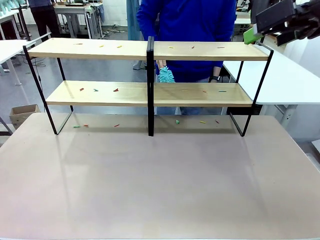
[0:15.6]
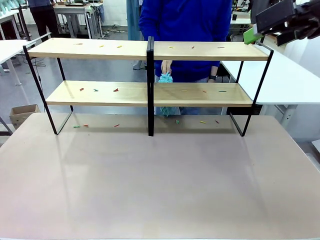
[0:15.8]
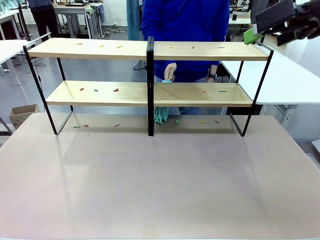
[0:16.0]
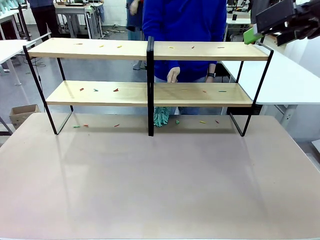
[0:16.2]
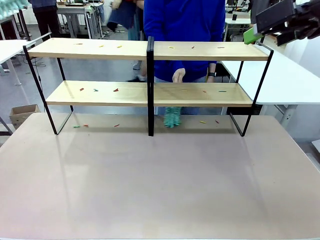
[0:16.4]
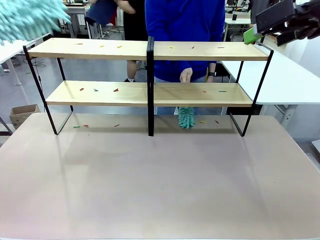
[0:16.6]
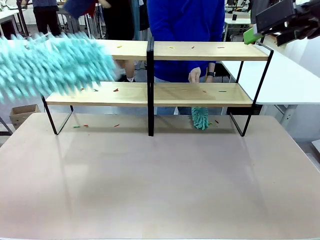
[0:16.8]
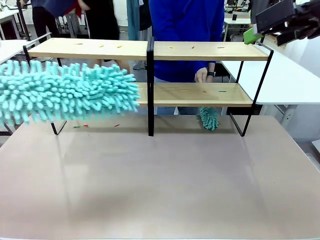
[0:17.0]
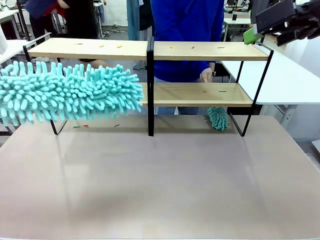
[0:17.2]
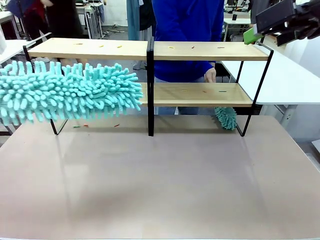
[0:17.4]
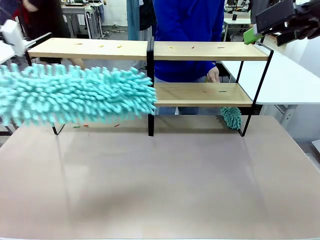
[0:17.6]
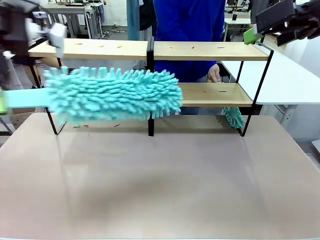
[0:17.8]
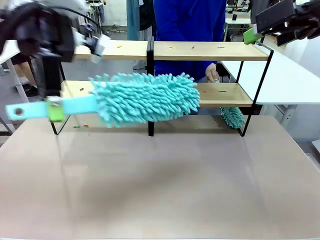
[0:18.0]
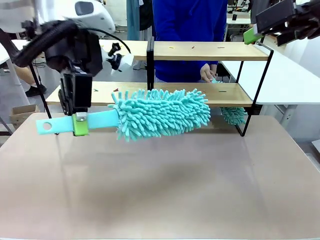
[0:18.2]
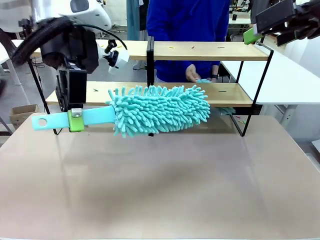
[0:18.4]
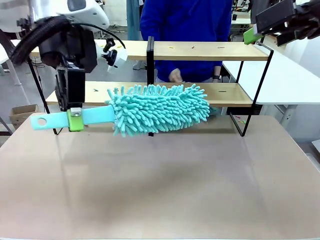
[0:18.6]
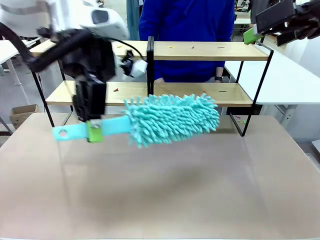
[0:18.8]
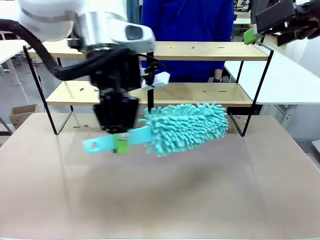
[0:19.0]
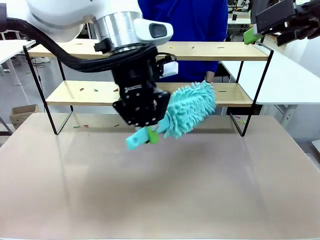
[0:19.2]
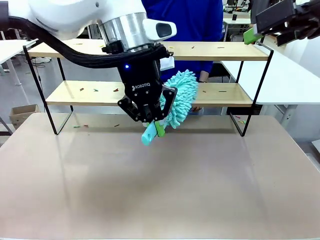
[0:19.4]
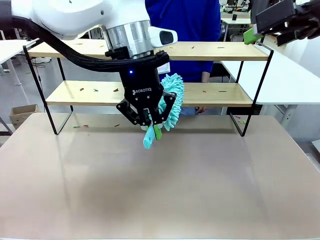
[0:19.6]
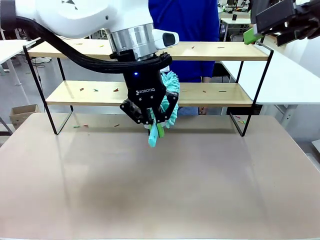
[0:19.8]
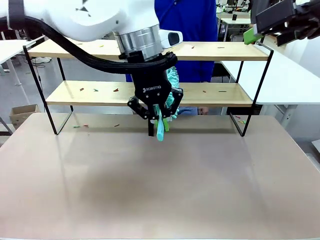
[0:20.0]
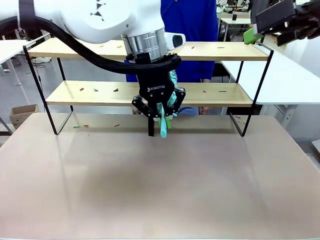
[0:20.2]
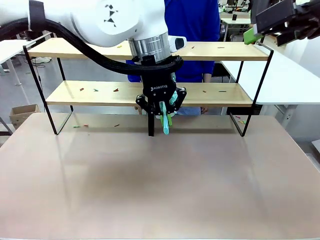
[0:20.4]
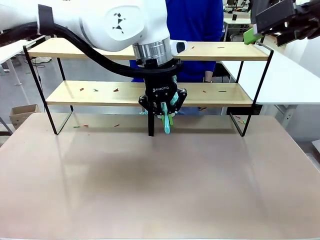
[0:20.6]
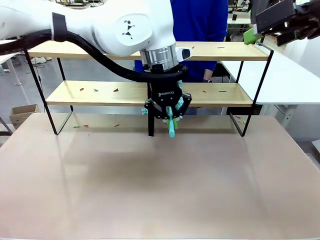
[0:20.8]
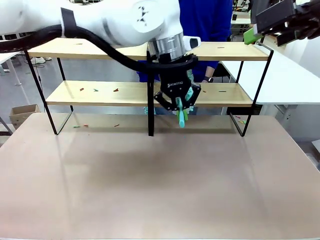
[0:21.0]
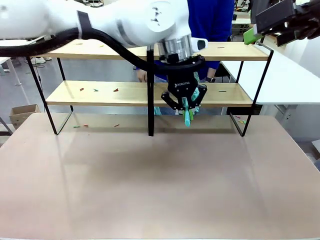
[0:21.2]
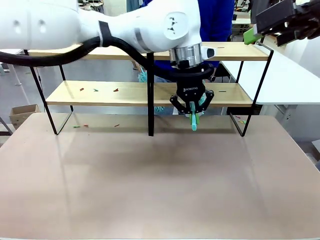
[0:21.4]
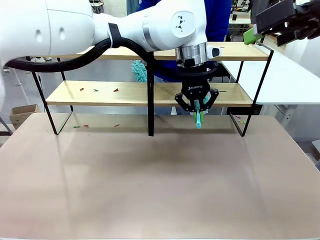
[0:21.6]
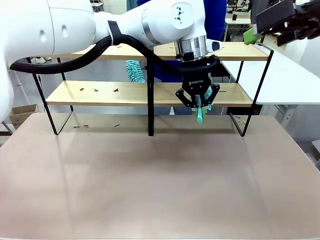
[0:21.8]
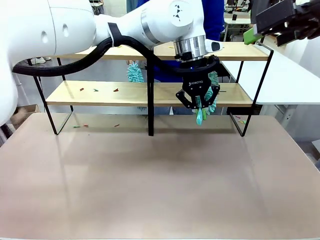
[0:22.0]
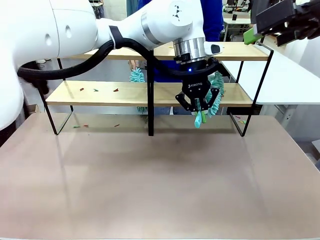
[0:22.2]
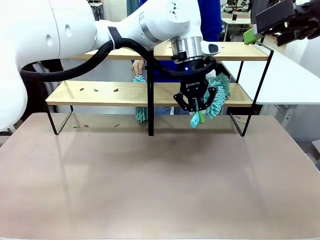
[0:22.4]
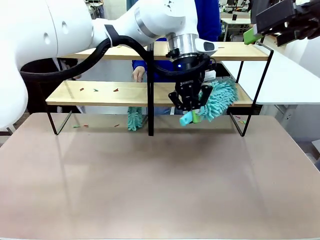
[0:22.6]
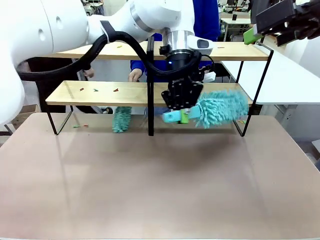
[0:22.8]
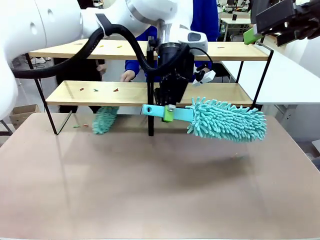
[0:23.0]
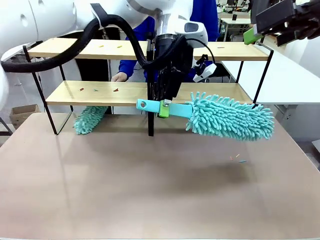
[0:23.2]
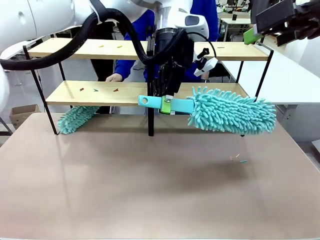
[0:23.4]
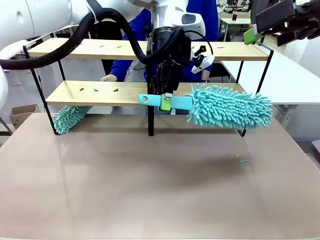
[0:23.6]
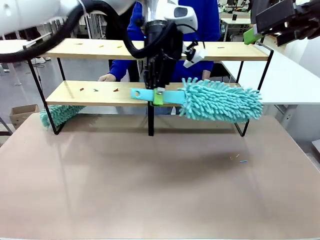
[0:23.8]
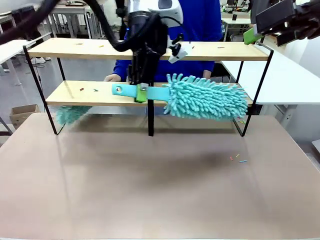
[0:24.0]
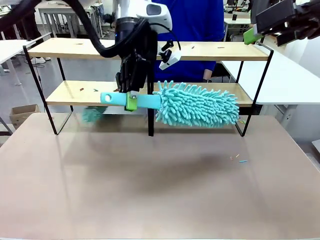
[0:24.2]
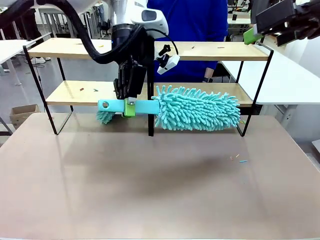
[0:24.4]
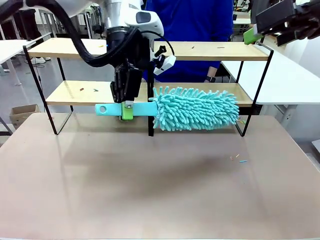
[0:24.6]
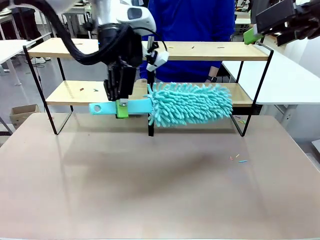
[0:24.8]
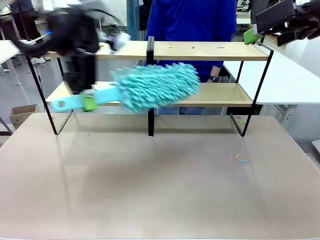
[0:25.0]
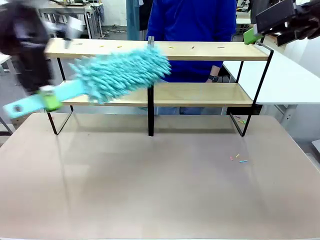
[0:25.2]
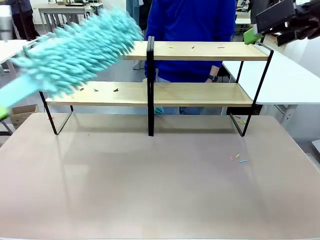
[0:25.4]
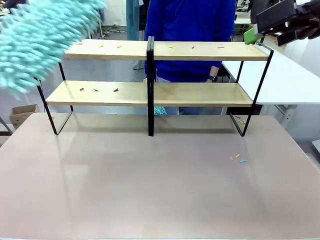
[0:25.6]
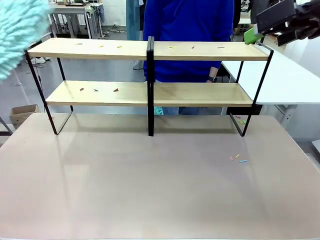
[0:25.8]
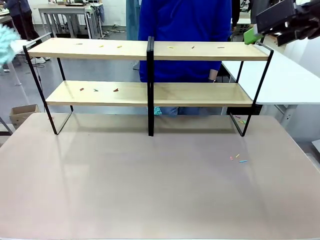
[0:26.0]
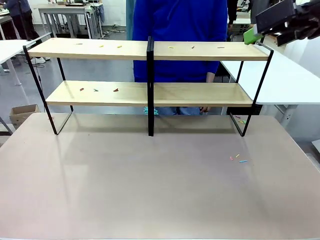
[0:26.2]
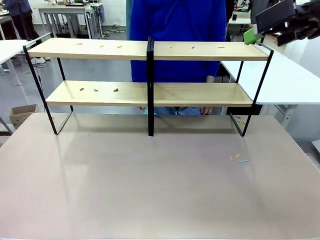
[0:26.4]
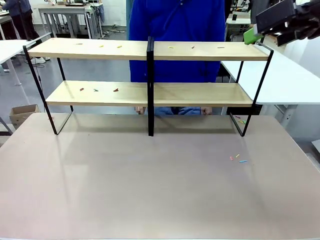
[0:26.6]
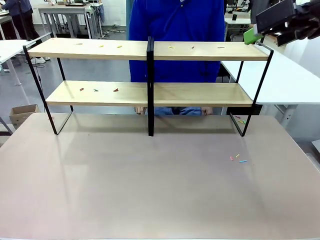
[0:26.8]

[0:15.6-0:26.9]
Task: Clean the shelves.
Robot: Clean a randomly selected level of the Shelf with the Duster.

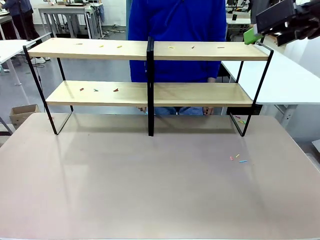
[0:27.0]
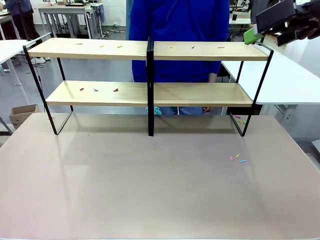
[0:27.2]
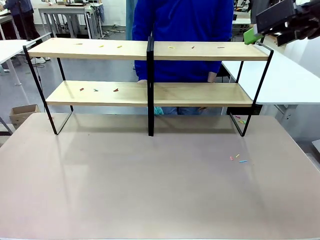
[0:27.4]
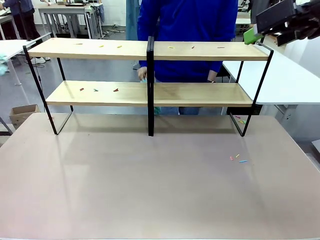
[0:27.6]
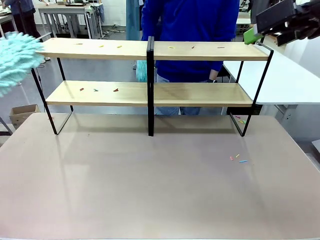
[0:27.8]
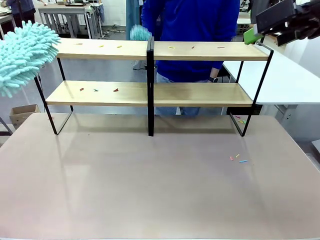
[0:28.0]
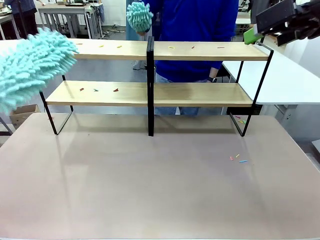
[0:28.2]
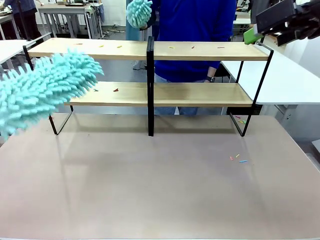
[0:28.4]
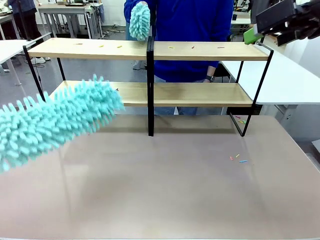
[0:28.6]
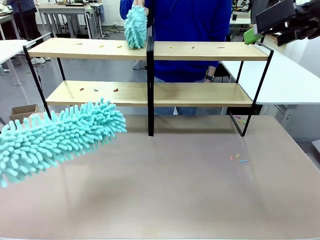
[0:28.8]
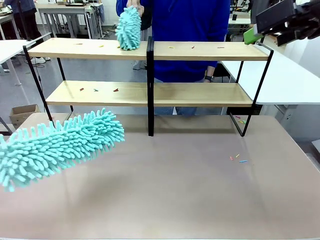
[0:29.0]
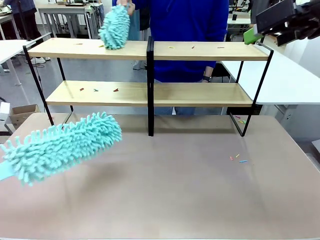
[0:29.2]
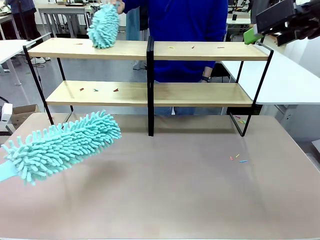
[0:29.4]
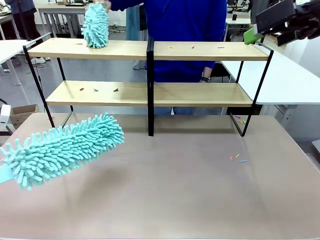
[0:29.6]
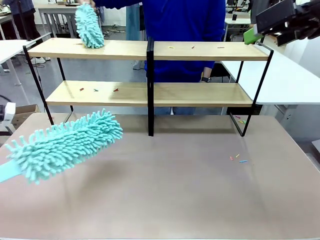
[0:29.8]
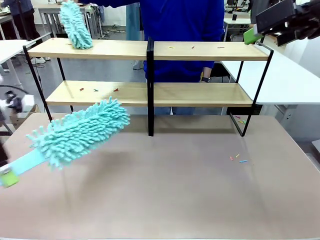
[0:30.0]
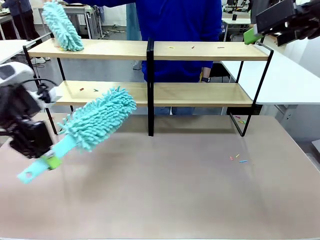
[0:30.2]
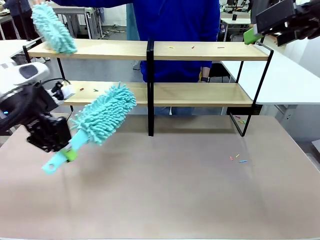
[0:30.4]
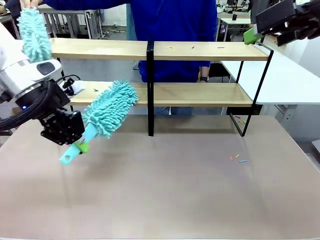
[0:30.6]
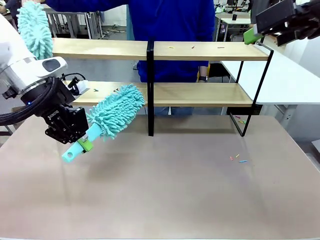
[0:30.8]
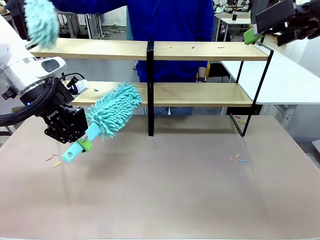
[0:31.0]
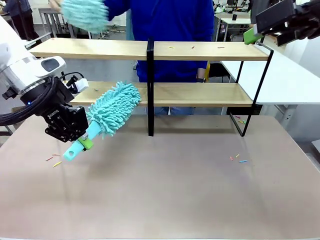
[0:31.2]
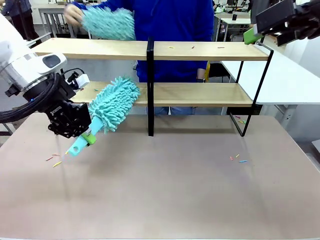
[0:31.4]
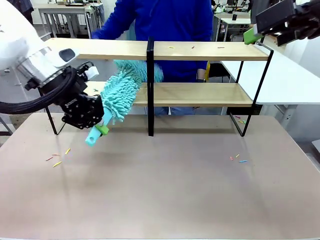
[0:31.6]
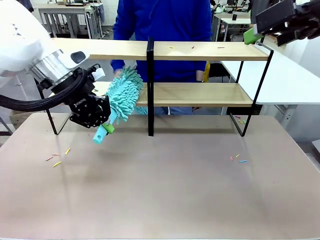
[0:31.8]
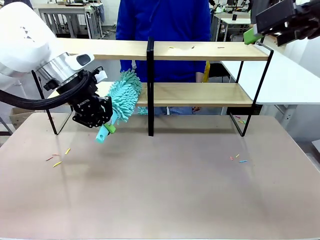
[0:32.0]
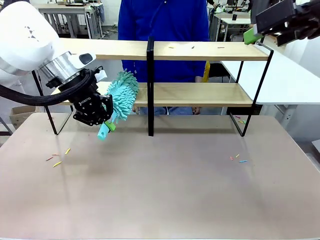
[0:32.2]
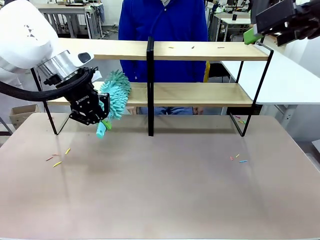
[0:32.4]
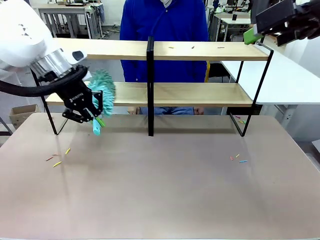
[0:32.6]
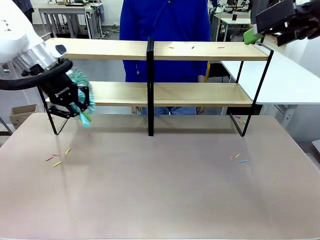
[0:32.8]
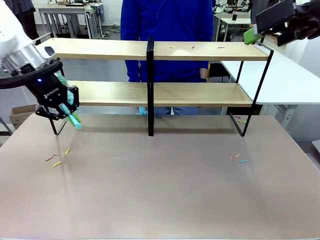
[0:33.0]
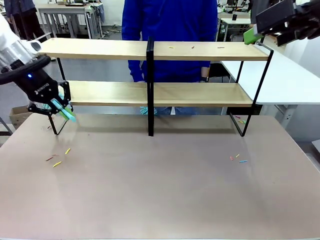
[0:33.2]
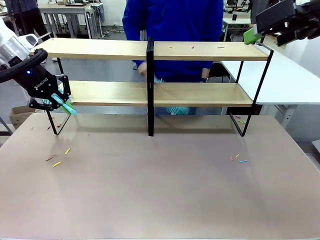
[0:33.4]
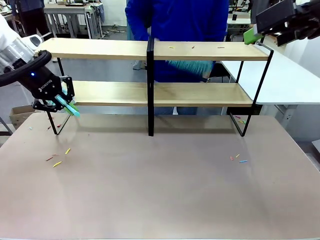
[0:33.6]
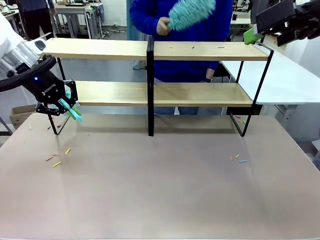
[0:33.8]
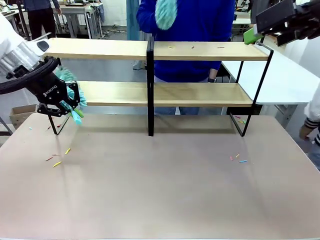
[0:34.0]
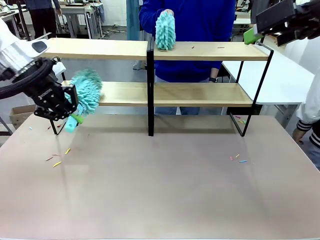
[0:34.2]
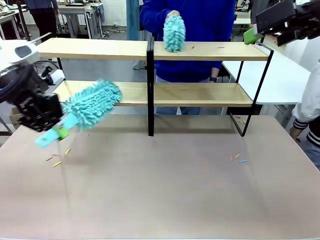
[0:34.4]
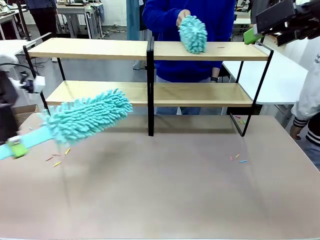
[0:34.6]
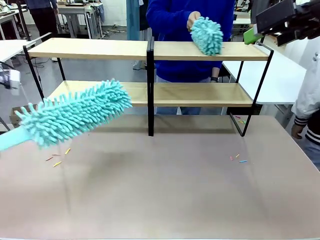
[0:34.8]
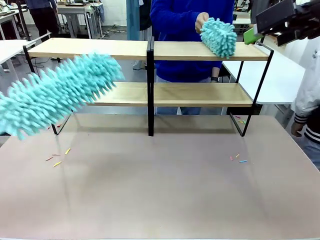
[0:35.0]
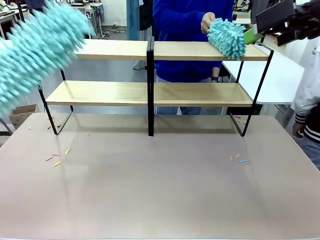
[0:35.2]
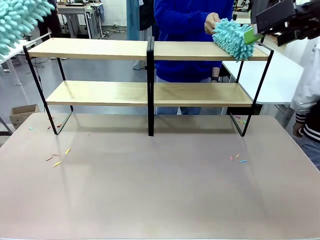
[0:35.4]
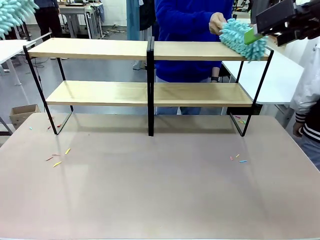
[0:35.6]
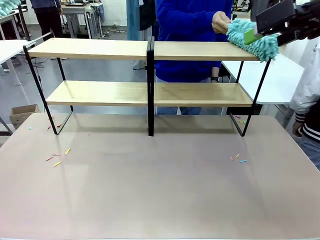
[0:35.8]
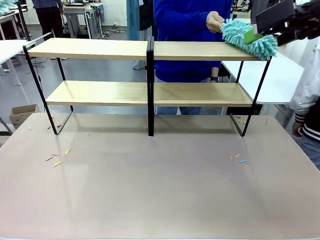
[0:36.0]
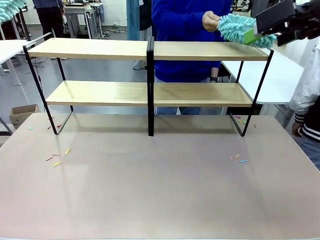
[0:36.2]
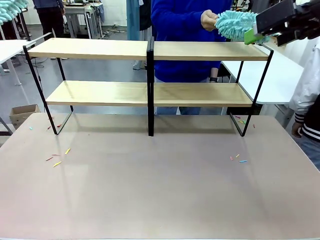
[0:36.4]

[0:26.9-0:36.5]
Robot: Clean another randomly selected level of the Shelf with the Duster.

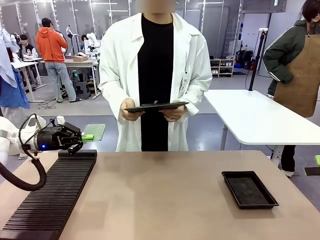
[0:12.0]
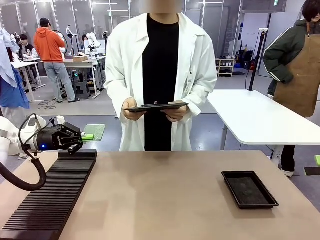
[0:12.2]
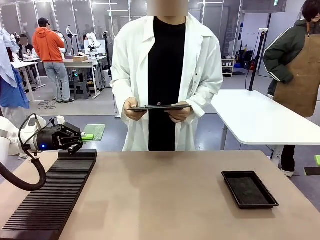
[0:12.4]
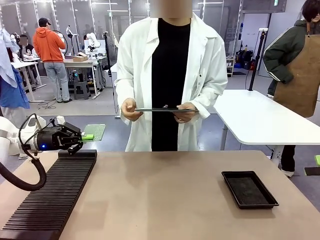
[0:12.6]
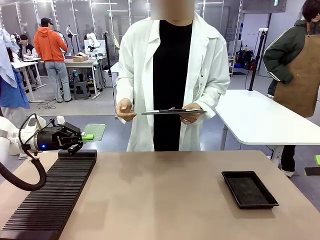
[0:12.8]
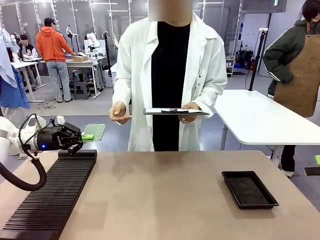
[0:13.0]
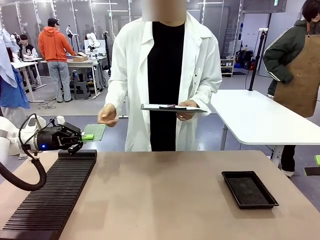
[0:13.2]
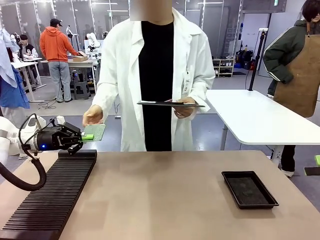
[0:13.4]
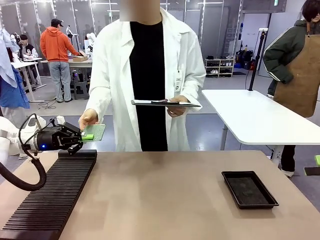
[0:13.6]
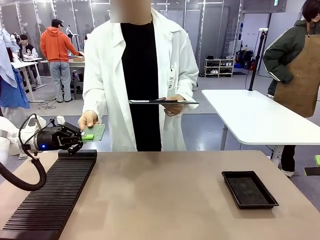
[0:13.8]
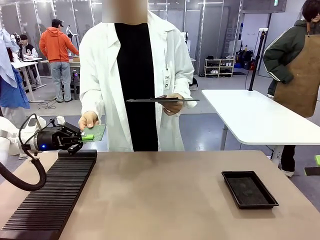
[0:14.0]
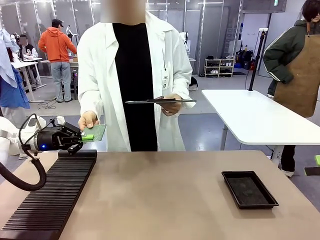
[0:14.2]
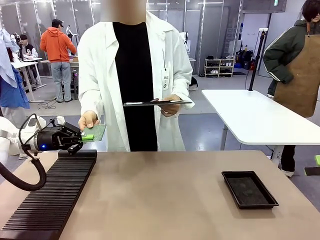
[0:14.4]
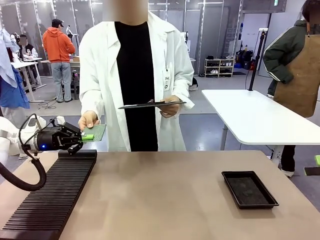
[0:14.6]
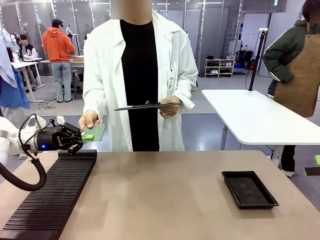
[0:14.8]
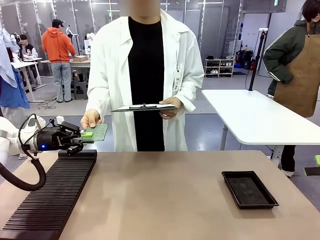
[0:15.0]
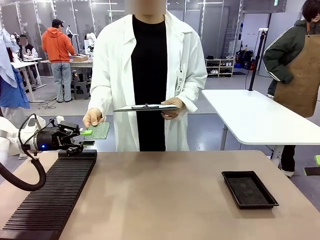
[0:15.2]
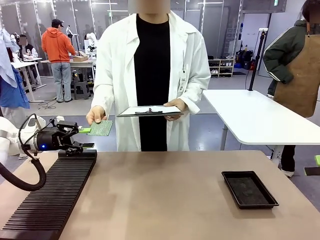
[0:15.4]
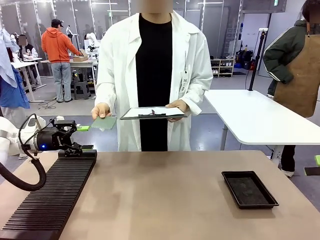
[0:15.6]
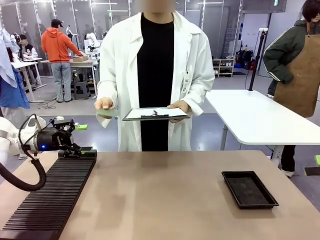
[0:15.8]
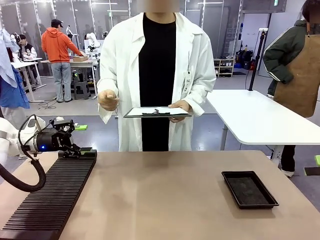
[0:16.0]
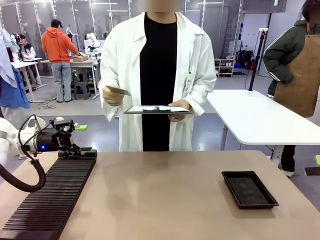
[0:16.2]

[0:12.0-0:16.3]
Task: Inspect the PCB.
Robot: Release the Blank PCB you were holding.
